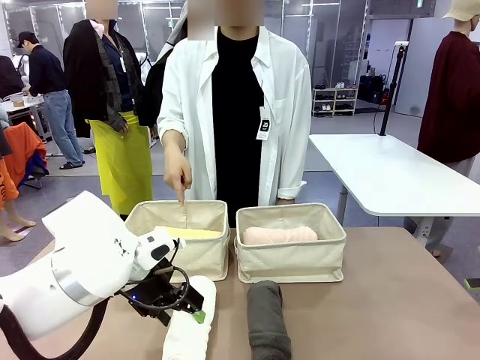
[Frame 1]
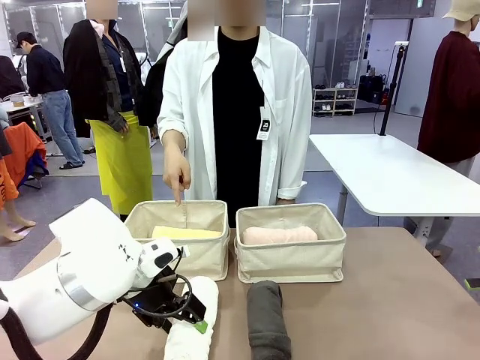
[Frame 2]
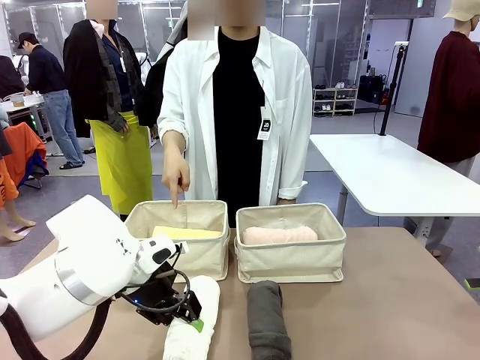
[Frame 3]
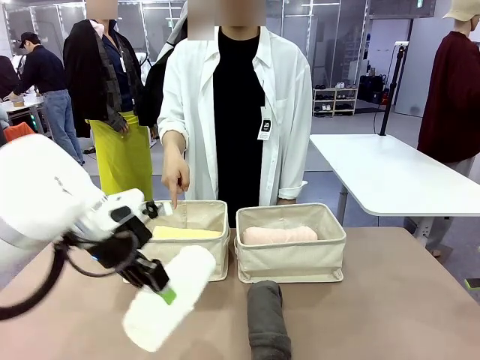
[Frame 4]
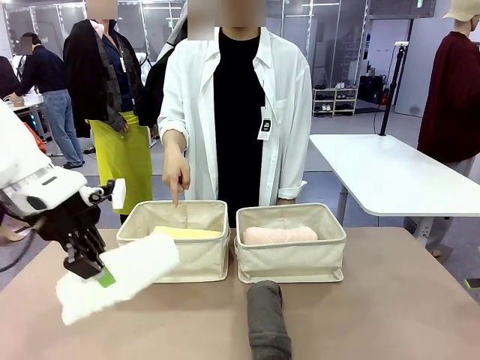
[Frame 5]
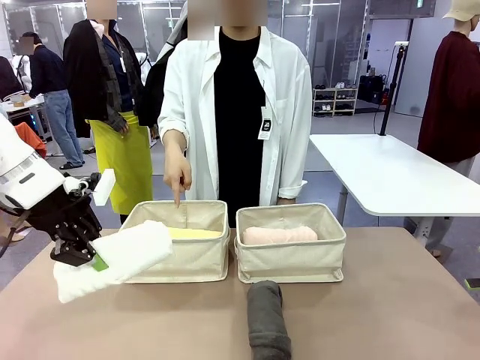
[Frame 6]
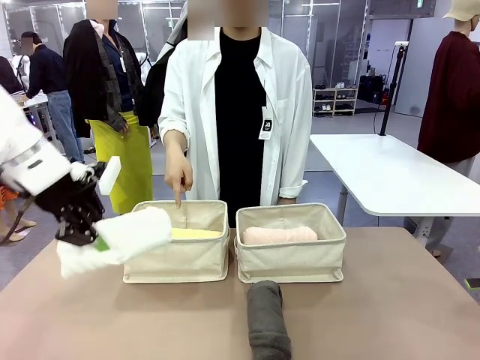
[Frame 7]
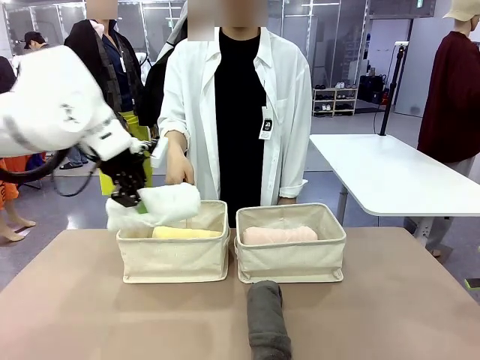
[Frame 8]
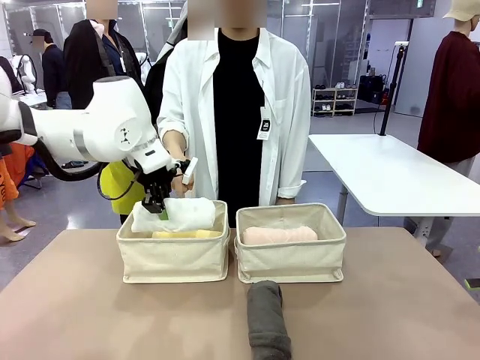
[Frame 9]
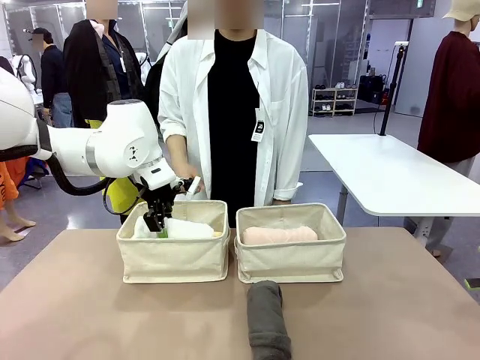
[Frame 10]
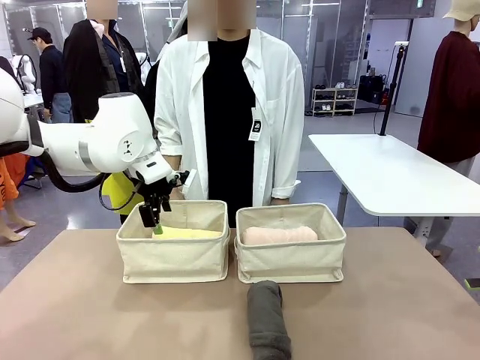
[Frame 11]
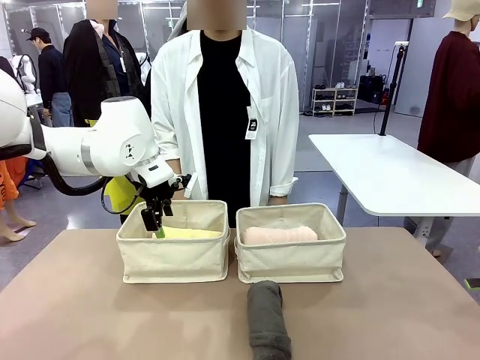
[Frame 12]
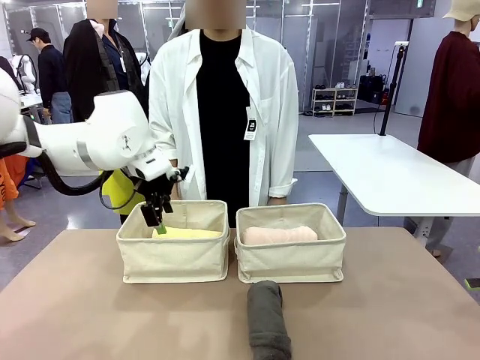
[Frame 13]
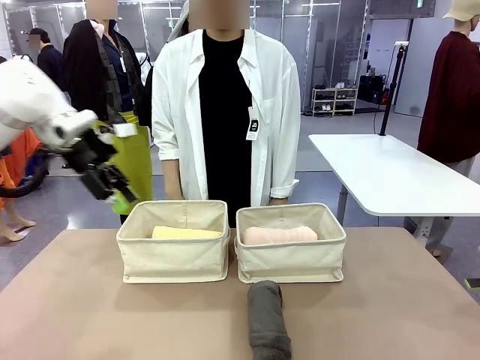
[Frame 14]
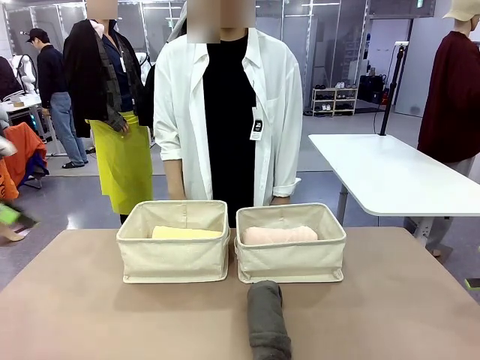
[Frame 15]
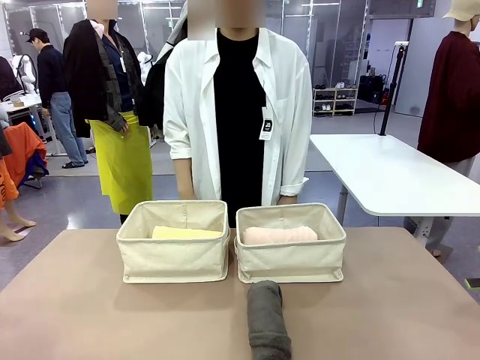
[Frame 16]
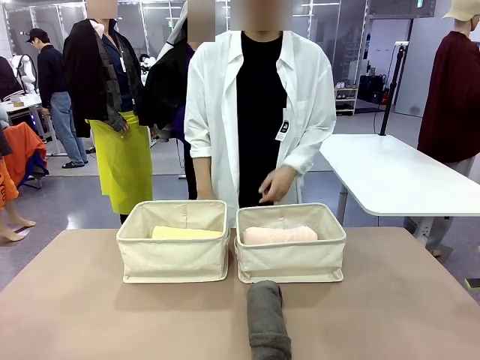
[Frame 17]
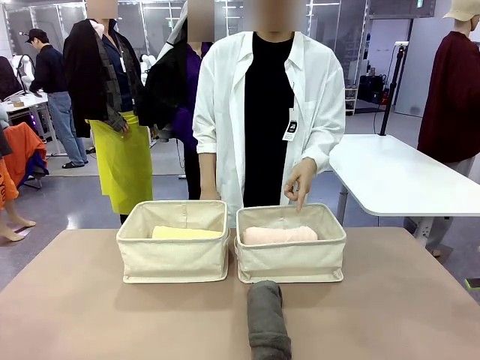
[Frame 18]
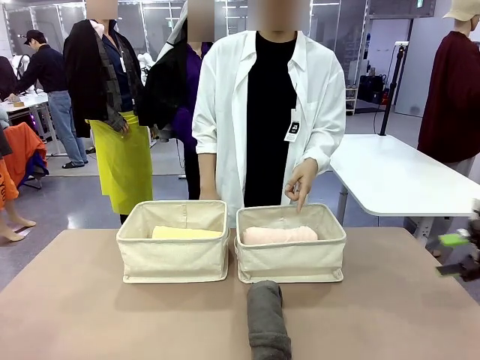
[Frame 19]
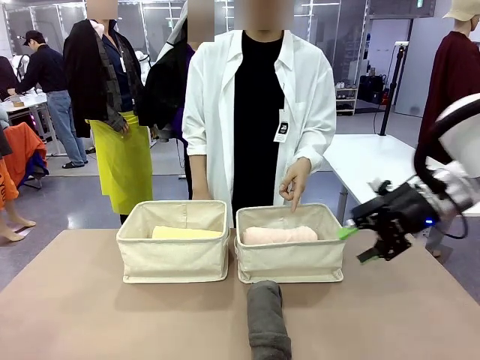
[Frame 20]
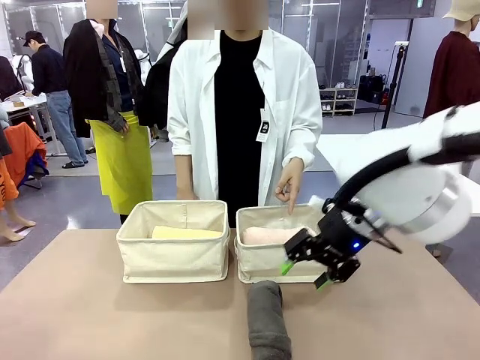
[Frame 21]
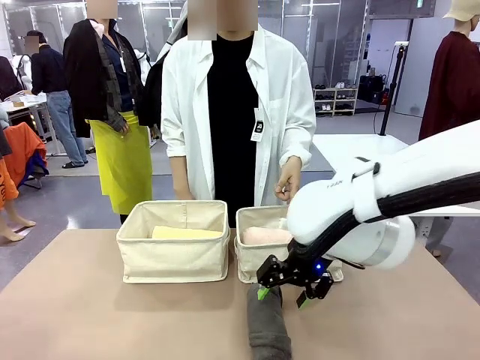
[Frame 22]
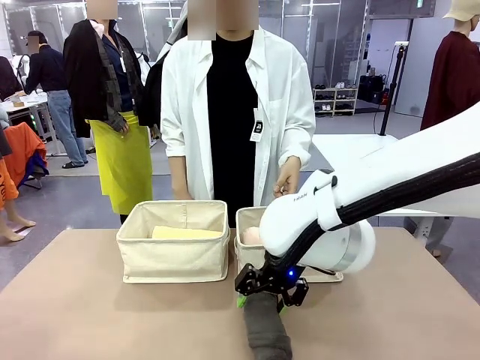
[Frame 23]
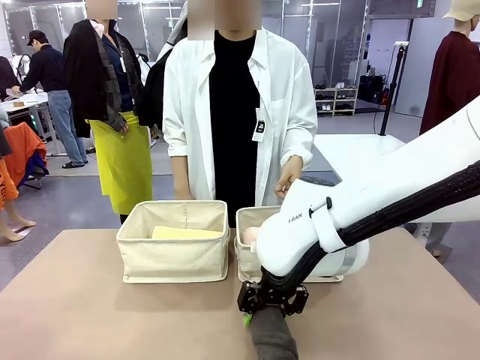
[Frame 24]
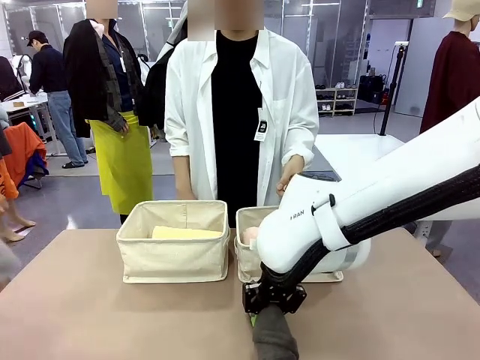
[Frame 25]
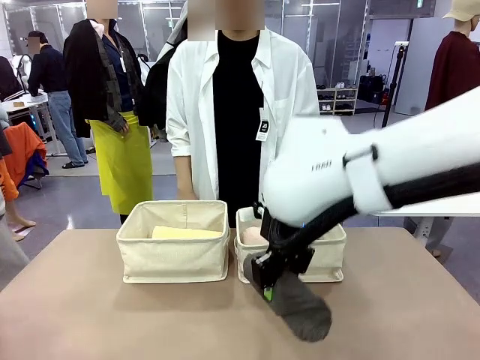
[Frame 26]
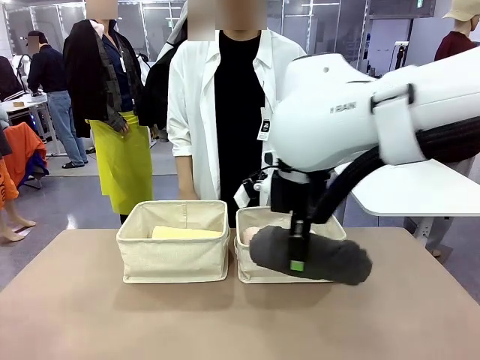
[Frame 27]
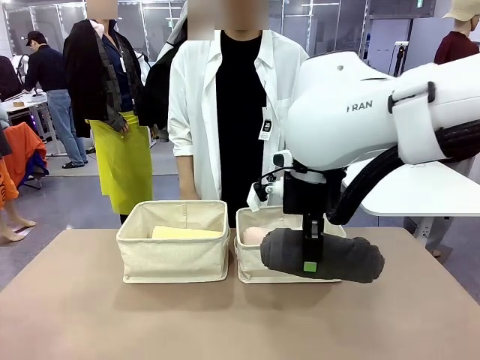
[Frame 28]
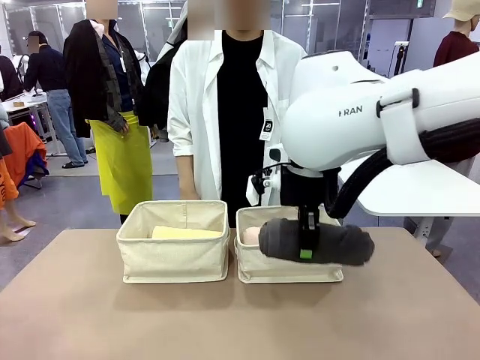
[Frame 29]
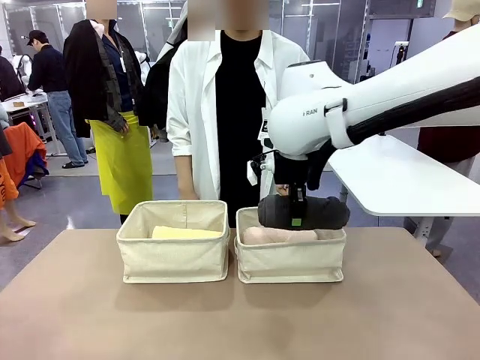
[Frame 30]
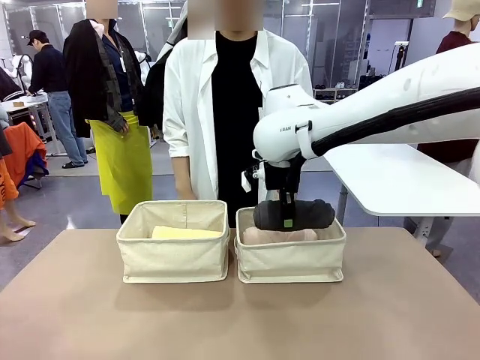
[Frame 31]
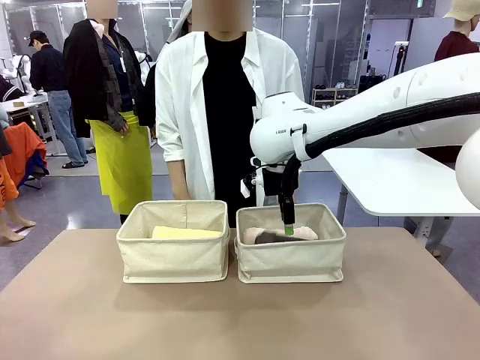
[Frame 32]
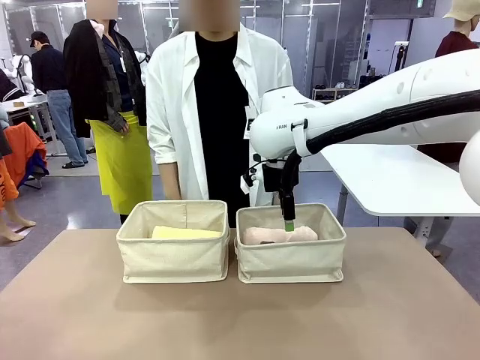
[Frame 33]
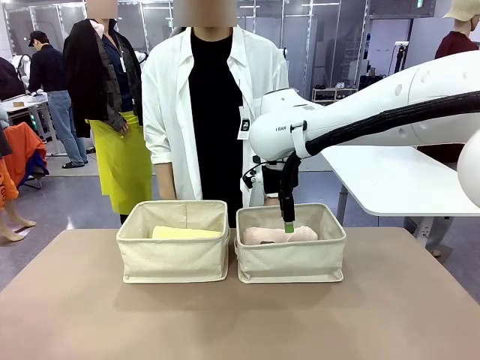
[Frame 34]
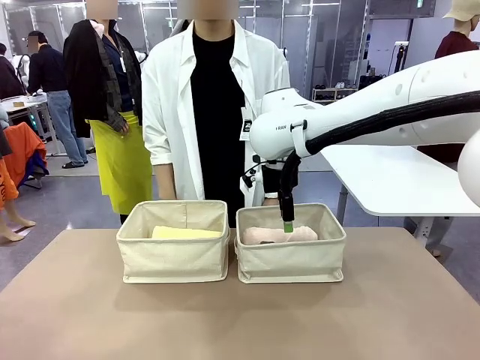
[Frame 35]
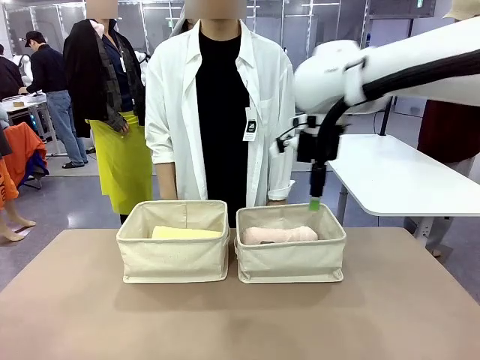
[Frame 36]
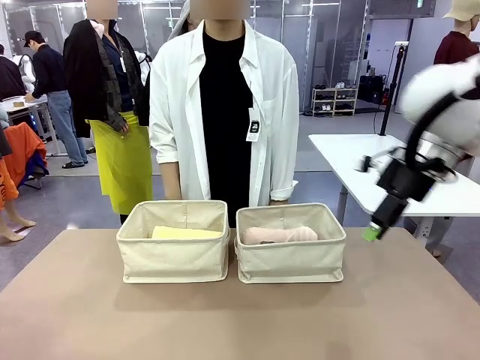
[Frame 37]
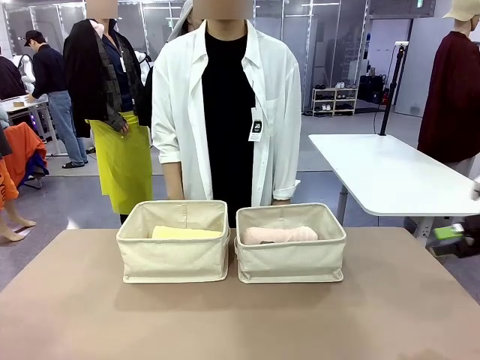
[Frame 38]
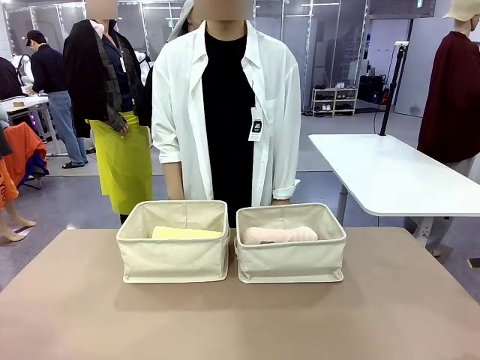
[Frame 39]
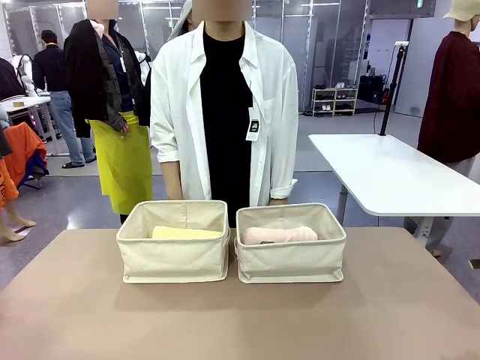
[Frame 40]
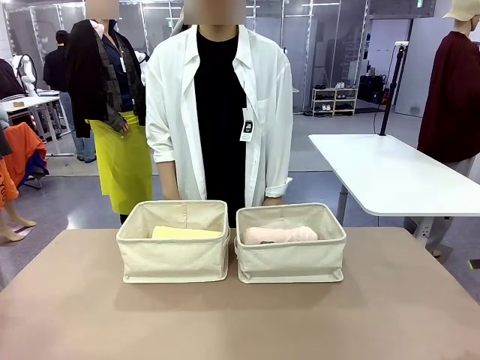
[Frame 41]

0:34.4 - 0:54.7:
Task: Divide the towels into two baskets.
Robot: Pick up one hotel-folded towel from the bottom of the table and place it in the Fabric basket indicated by the person.
